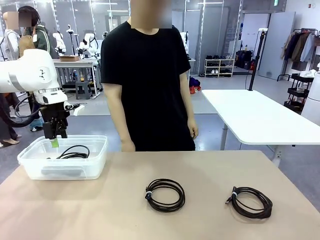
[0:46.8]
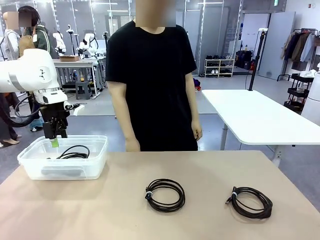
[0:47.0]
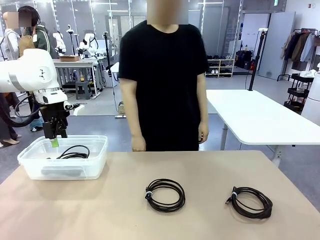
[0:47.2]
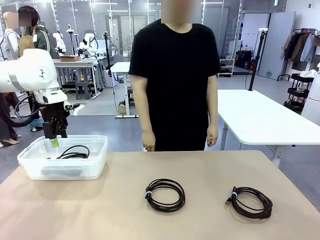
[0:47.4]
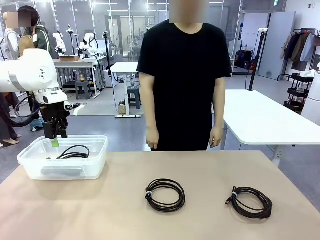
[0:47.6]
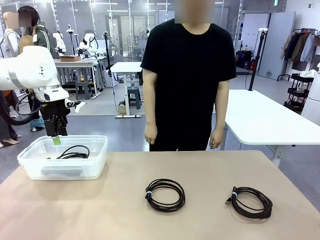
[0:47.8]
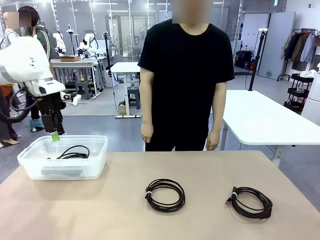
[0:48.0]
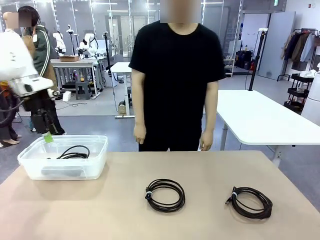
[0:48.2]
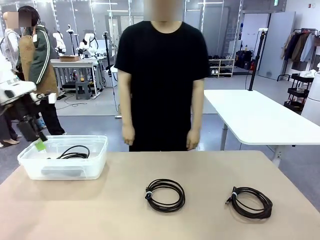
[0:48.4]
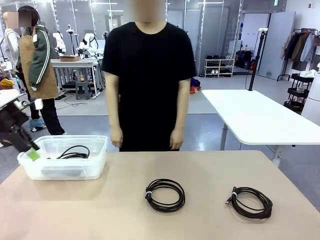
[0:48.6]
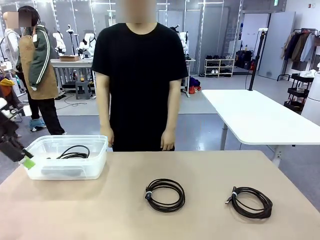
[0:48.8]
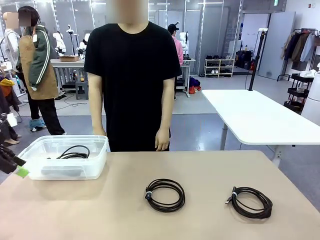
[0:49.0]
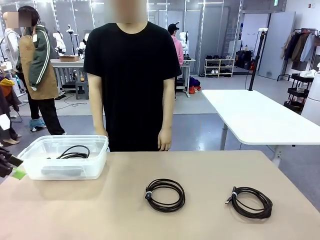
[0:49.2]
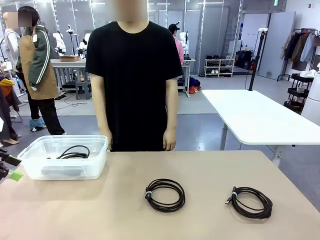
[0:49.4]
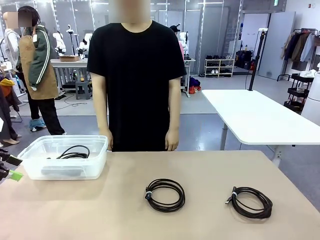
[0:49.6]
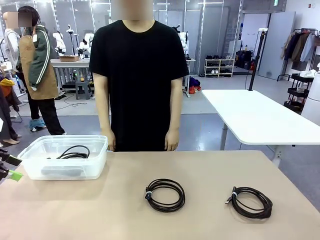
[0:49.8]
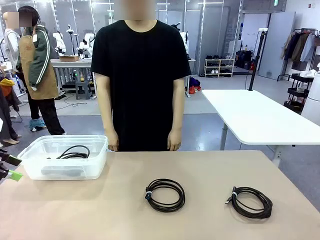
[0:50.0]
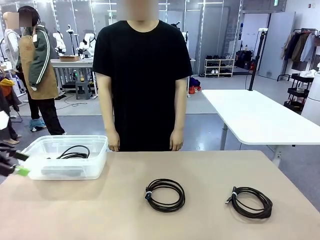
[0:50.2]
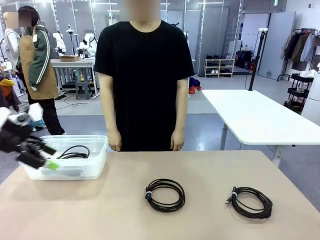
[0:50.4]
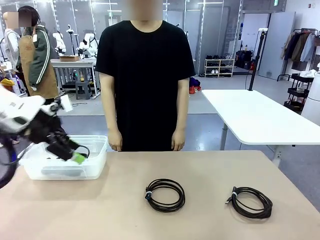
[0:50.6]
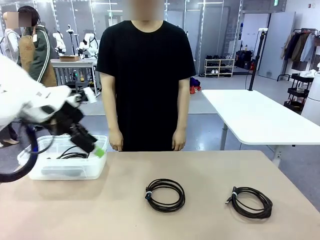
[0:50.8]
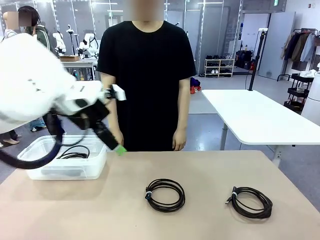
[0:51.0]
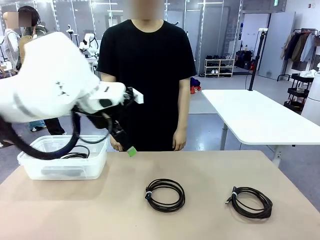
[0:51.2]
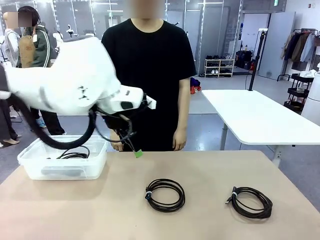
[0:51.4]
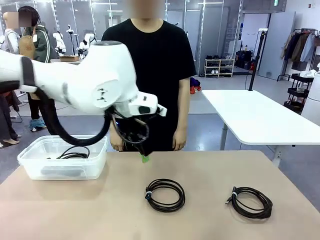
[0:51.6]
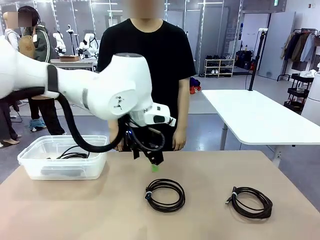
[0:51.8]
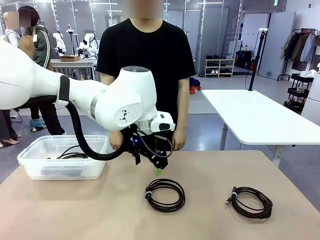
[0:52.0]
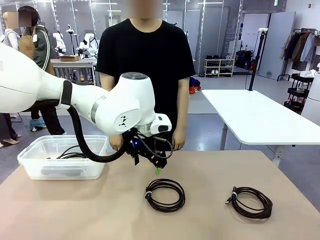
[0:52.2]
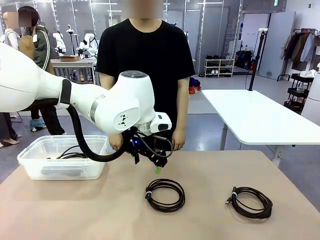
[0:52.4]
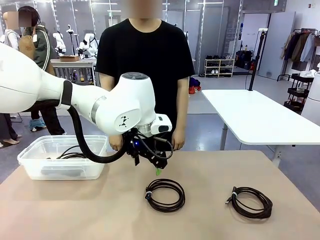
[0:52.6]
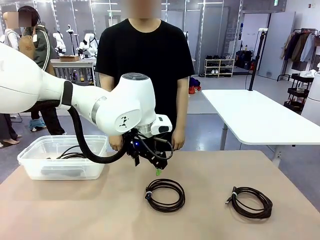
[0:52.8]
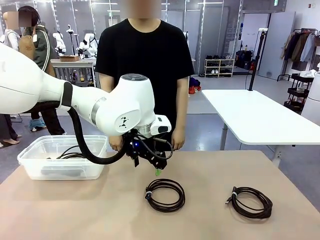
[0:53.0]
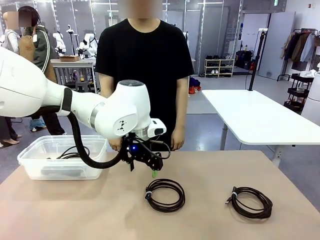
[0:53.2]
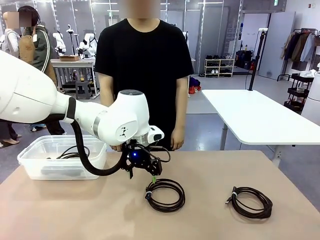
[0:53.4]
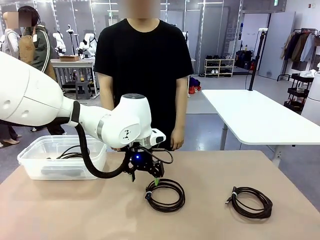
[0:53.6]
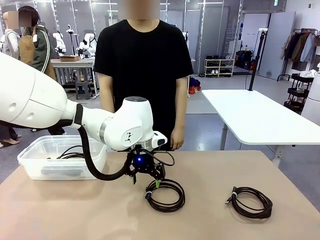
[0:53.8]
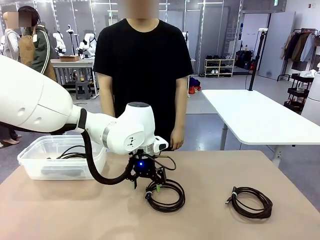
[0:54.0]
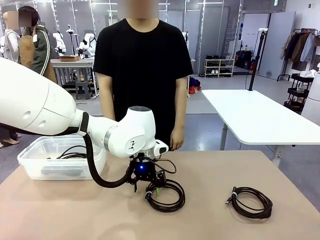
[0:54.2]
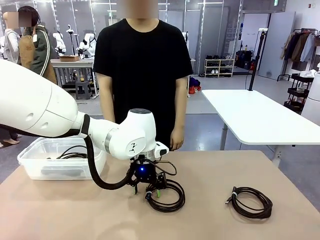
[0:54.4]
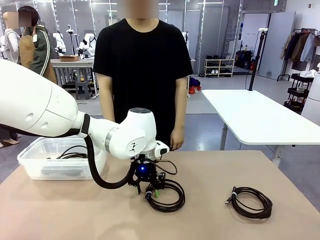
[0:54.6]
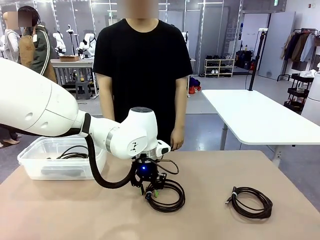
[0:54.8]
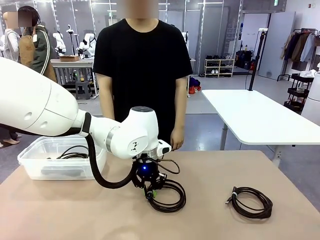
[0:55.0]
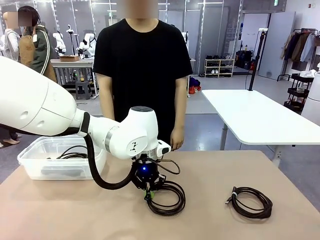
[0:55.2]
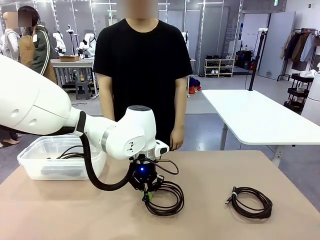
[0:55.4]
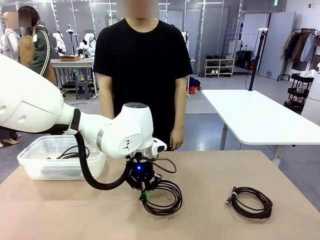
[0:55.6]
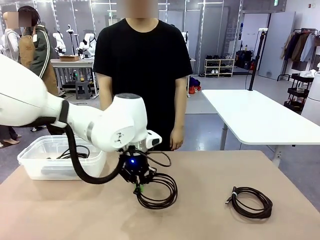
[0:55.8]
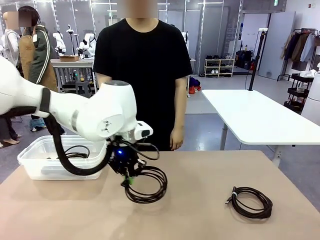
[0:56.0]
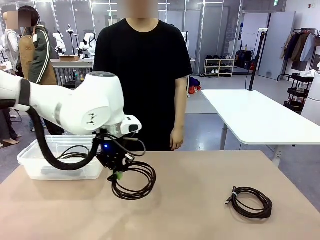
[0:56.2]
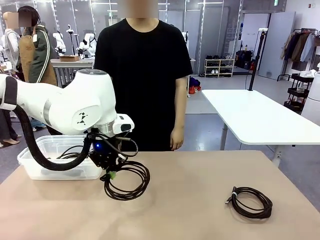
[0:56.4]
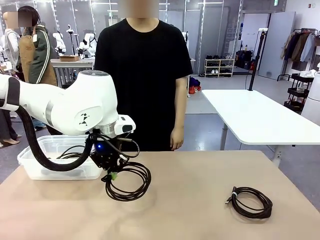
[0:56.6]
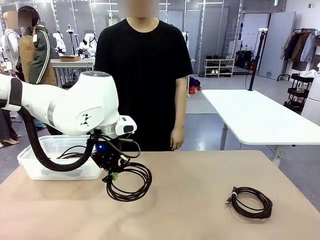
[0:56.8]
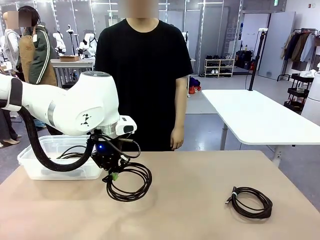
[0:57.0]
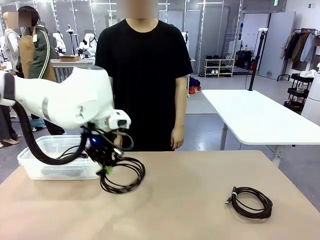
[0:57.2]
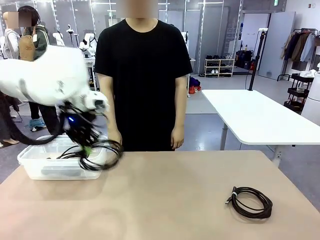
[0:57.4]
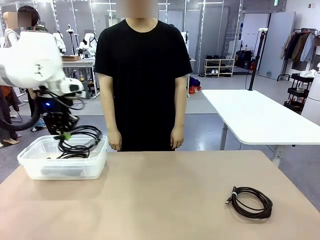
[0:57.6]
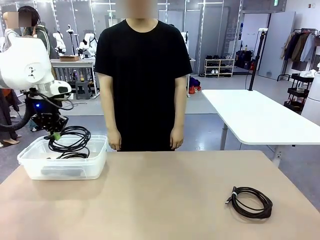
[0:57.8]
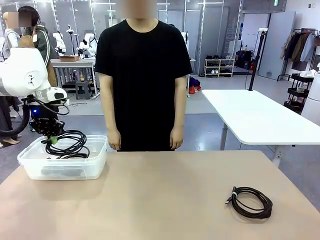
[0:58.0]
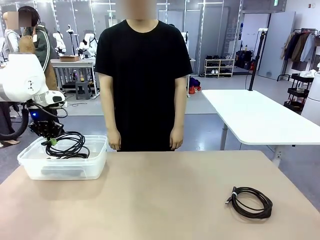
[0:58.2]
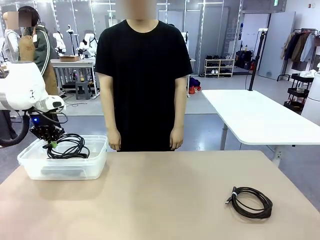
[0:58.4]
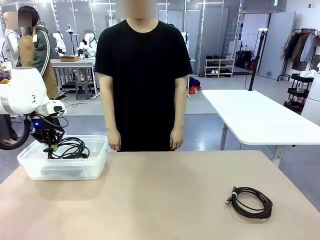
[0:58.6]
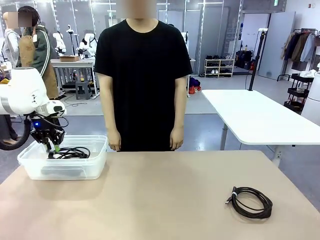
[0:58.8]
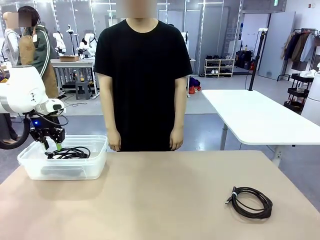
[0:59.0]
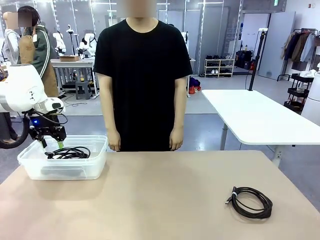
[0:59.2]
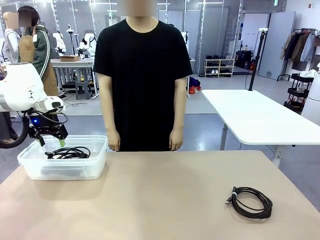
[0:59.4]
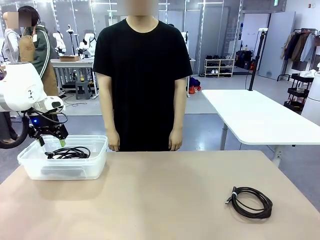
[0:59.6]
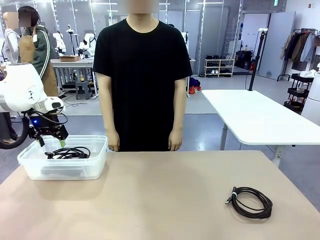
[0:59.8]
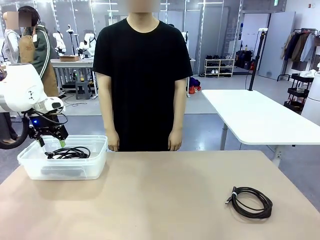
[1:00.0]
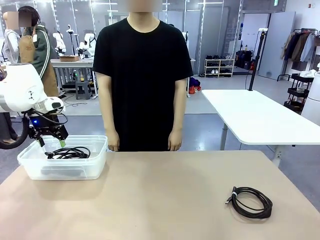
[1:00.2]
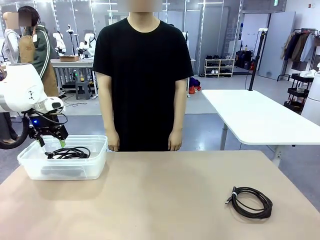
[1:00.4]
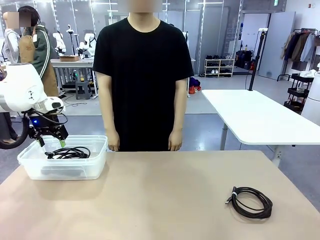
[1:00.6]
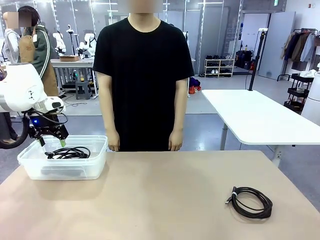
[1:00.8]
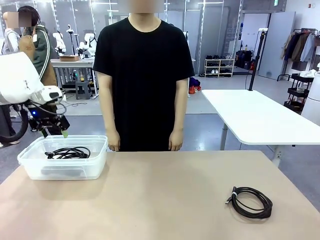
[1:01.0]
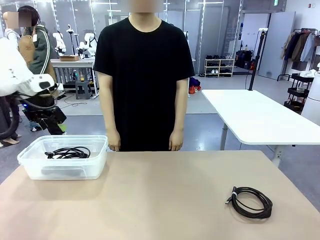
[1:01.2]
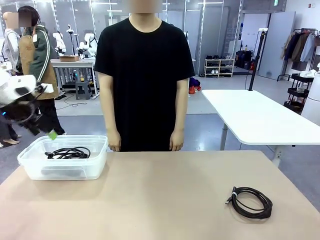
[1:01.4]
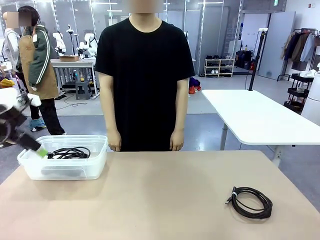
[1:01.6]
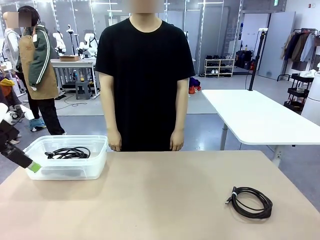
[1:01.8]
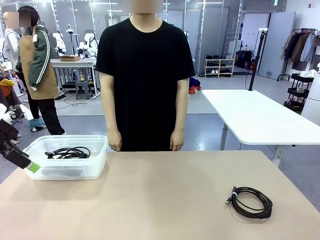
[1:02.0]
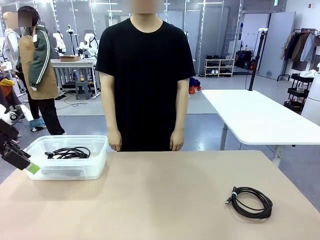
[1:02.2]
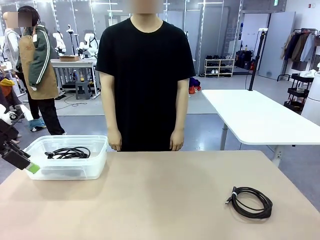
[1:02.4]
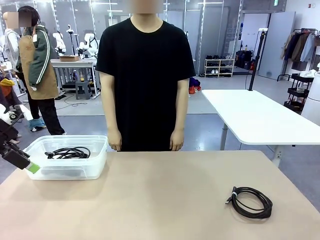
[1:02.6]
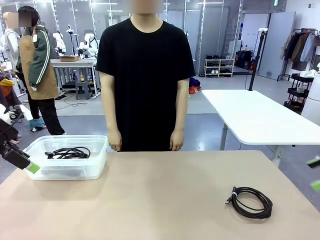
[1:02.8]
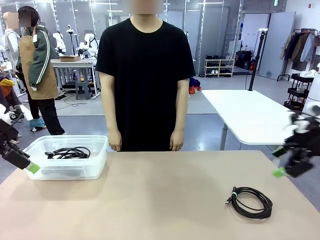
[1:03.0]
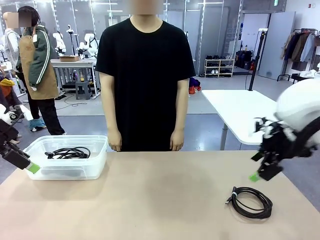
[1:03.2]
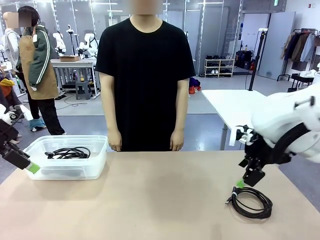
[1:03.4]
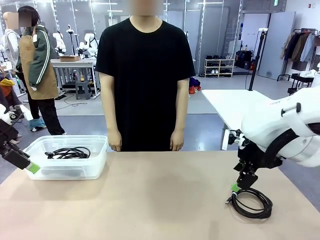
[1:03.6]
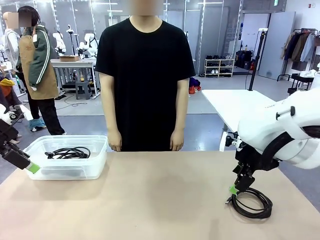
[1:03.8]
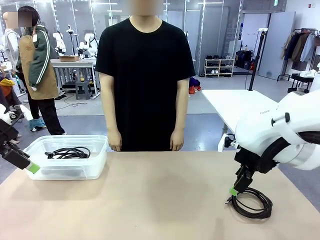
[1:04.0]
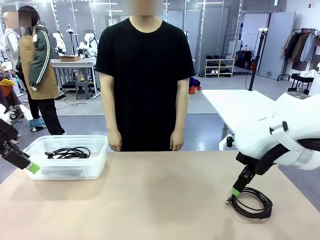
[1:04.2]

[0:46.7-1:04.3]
Task: Organize and store the cables.
Robot: Place the USB Extension Cable into the Organizing box.
